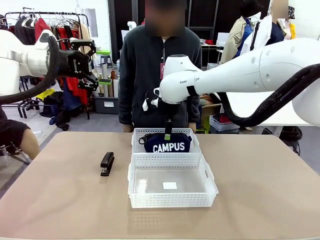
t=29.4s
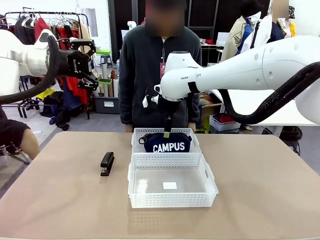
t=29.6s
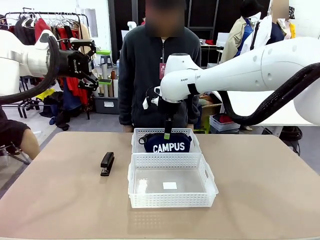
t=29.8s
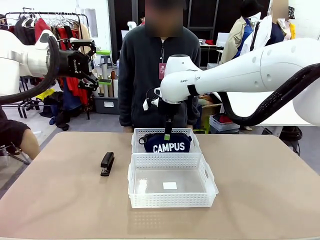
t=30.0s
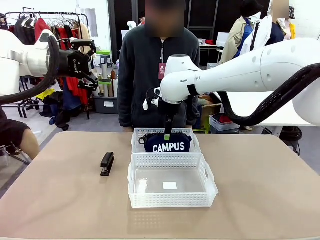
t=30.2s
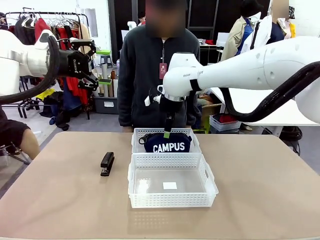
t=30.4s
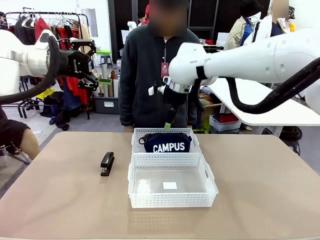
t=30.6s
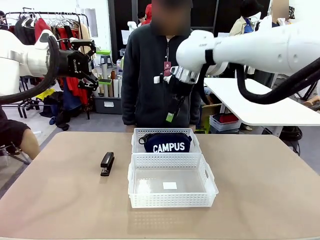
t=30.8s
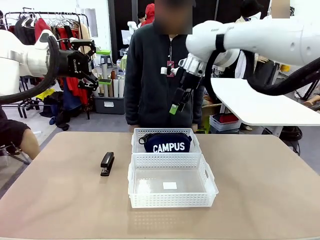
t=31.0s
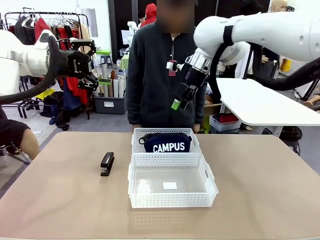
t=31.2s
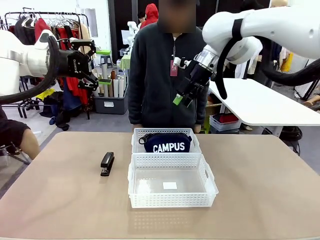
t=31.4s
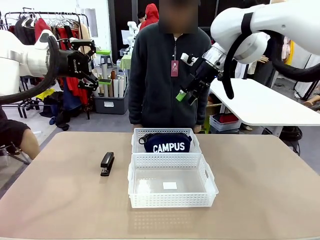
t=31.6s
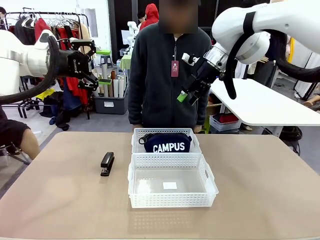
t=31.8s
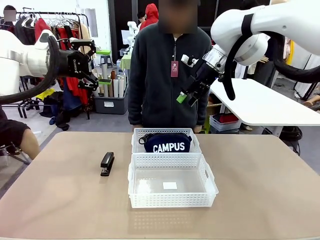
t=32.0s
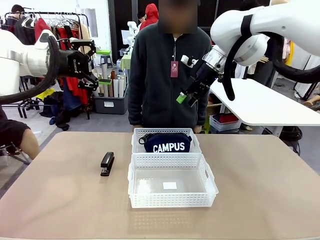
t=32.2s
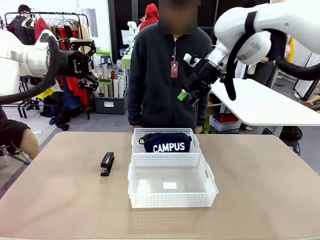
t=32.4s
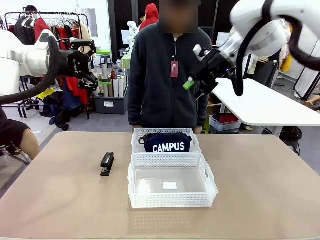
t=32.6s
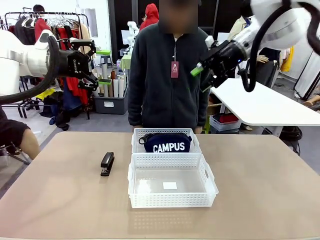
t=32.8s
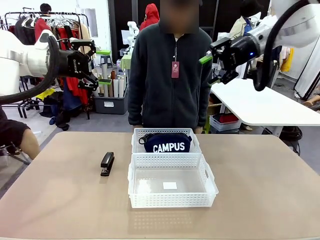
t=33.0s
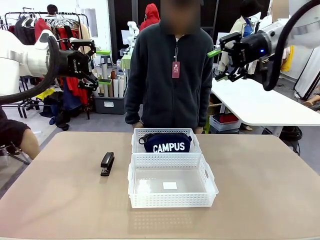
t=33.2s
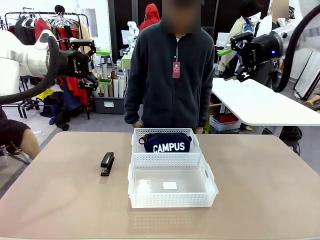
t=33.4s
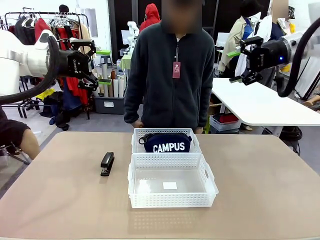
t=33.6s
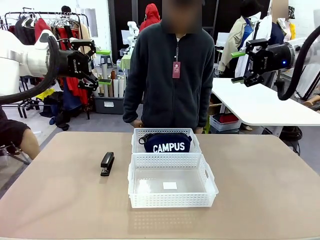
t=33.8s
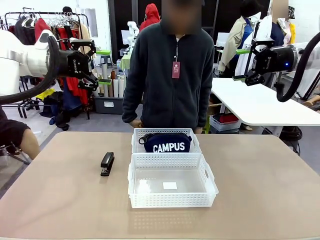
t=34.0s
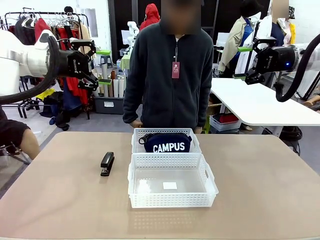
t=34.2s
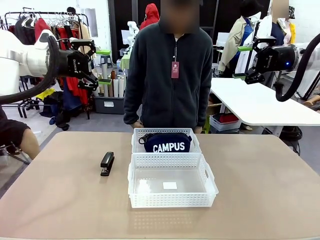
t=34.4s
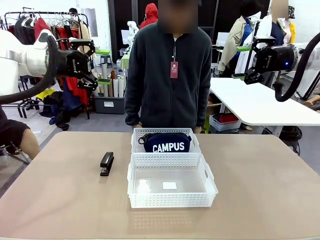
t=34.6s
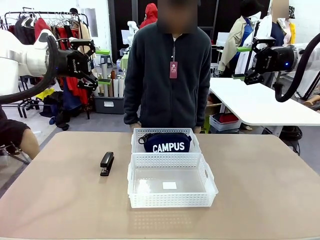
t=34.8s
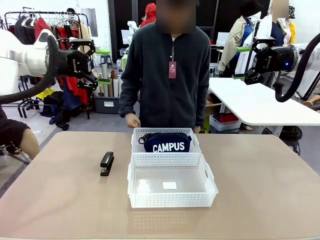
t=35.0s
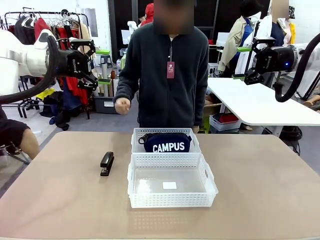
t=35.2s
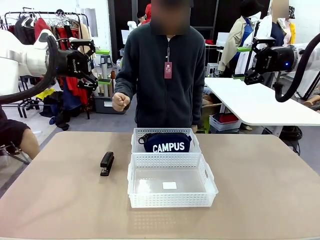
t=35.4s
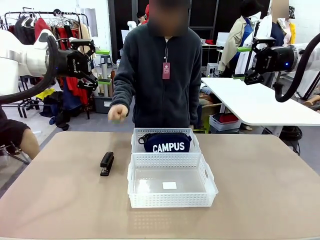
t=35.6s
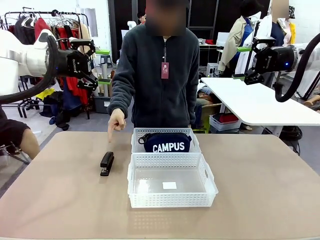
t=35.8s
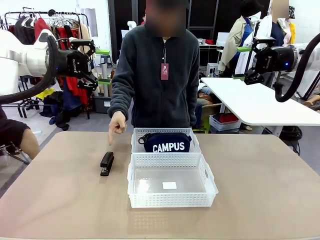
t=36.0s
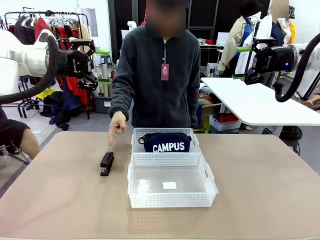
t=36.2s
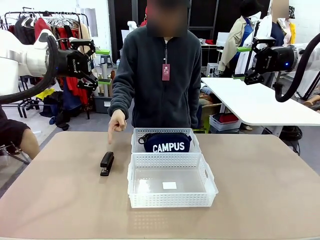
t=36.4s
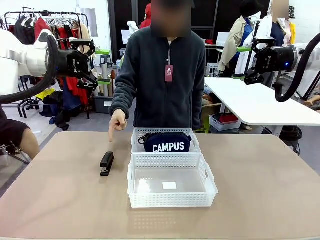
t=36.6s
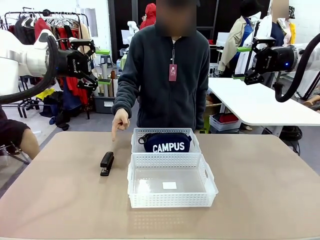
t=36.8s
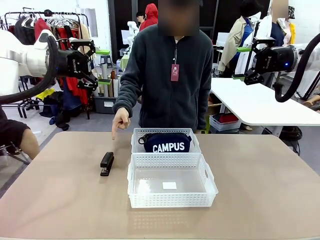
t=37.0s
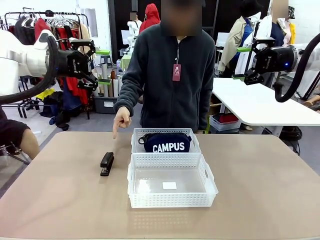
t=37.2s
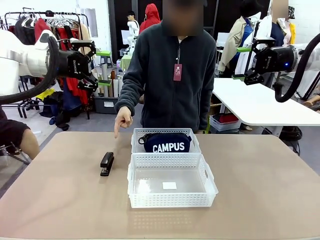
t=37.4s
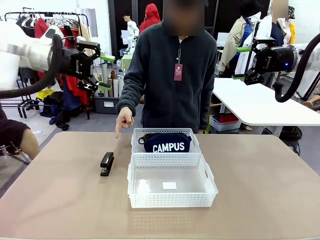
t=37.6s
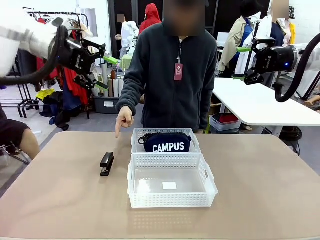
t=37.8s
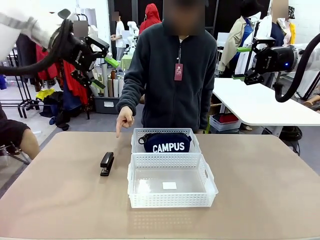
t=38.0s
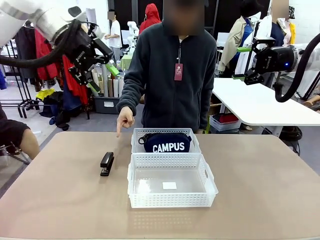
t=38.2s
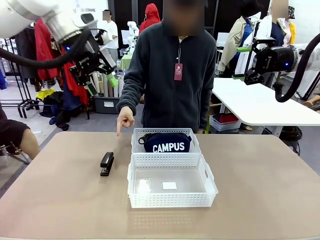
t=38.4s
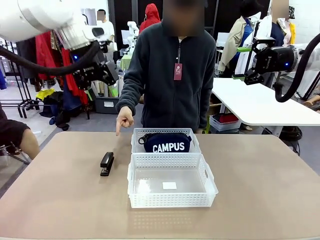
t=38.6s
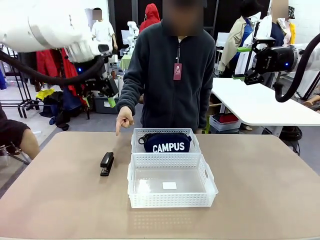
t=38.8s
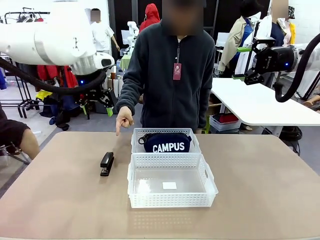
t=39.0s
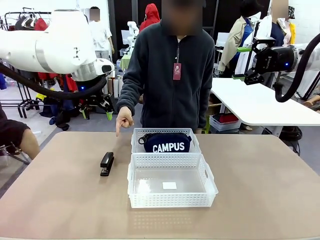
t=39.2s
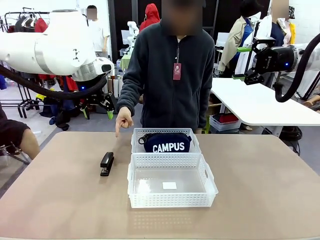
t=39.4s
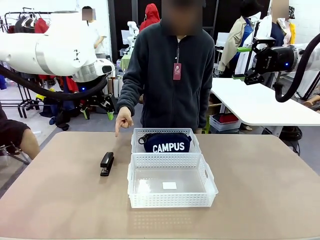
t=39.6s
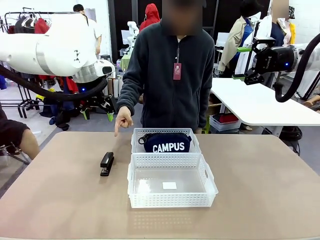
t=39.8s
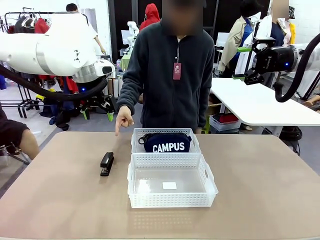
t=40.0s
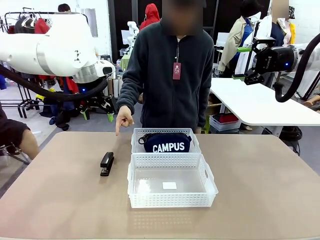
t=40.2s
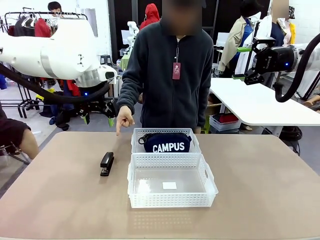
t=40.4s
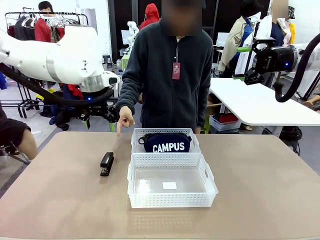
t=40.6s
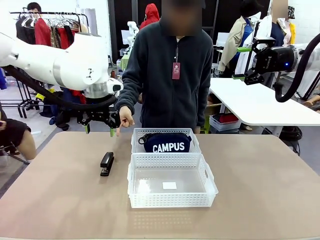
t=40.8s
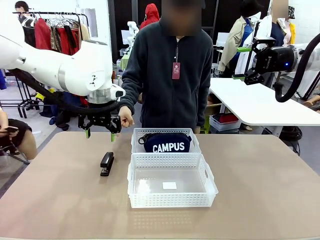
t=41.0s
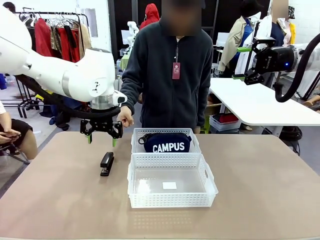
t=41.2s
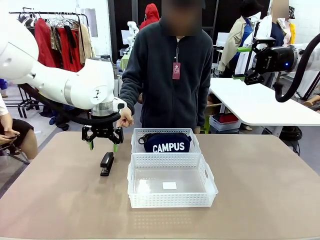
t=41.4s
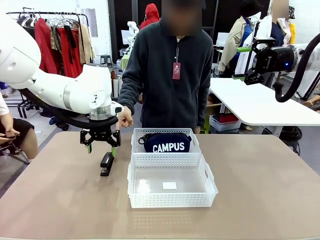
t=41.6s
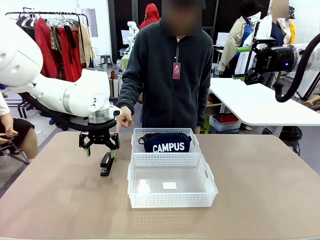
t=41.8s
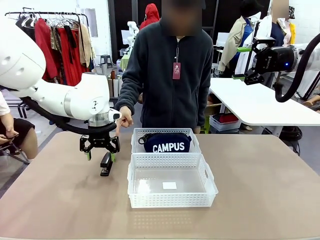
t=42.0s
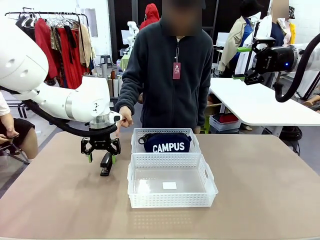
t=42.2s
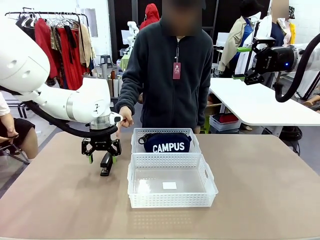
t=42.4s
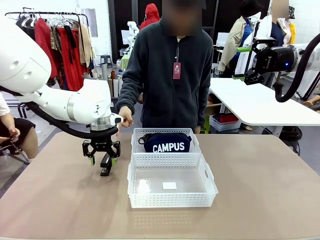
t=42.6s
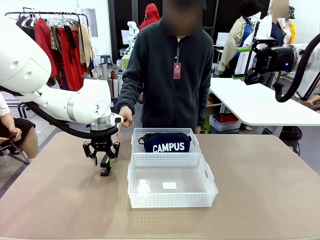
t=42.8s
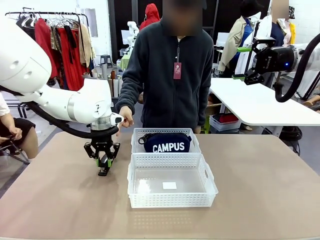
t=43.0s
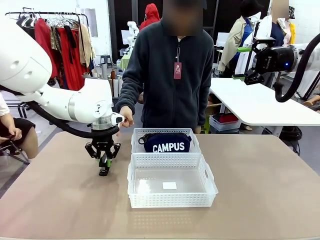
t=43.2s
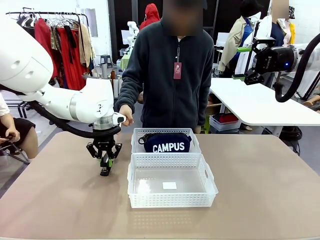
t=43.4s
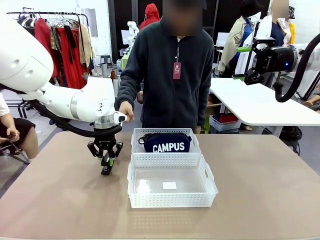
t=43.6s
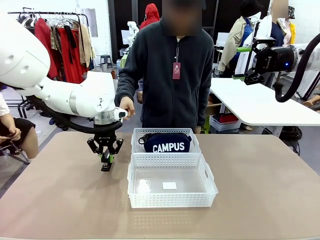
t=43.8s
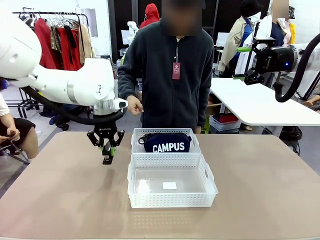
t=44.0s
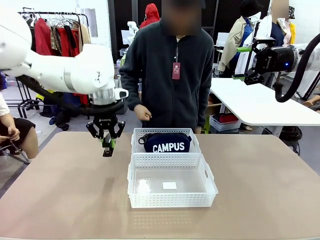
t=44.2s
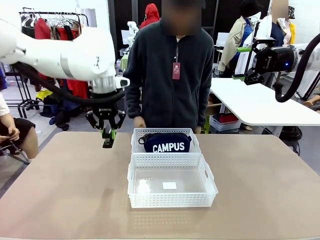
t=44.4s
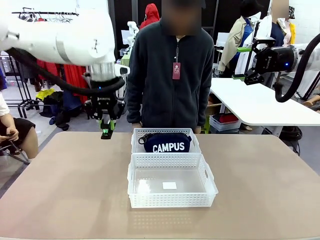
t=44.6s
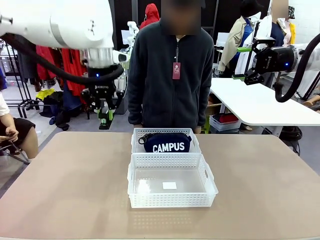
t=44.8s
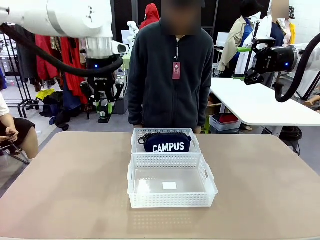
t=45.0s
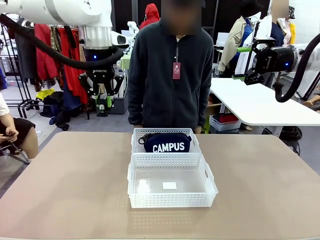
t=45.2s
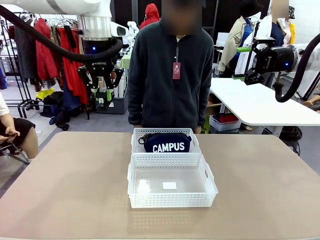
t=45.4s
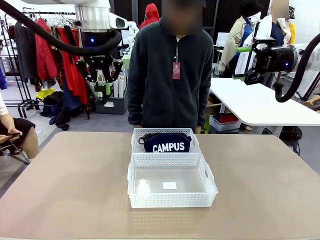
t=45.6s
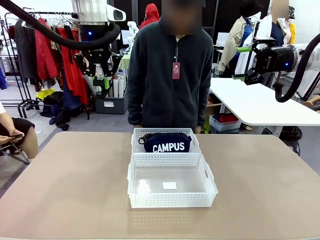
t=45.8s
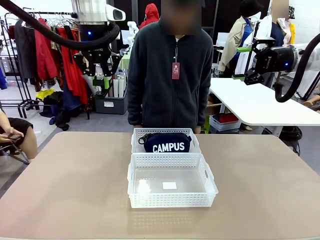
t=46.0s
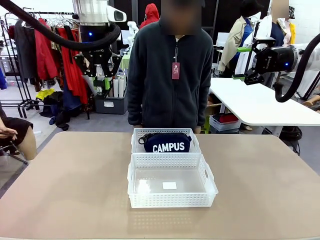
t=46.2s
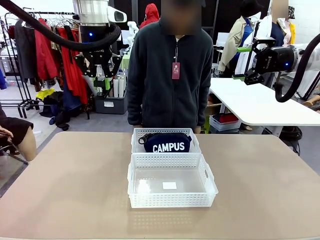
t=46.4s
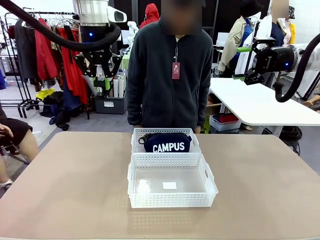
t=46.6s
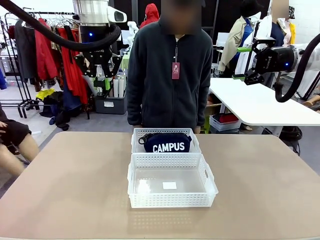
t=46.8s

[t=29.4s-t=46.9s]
Task: Distribute items into two baskets.
Robot: Pick up the Stapler that the person points to.
Person: Points to the stapler.
